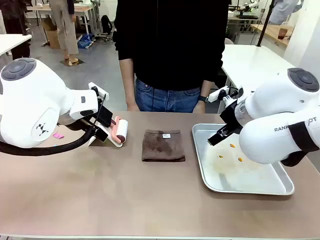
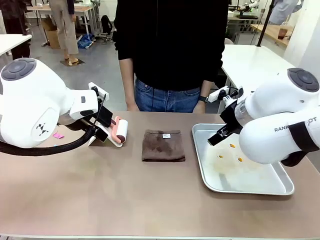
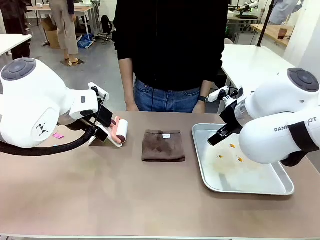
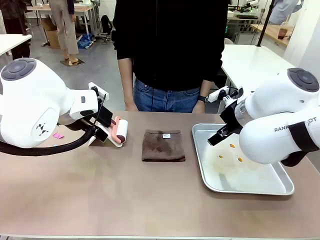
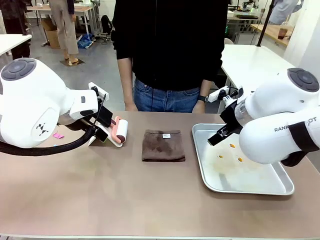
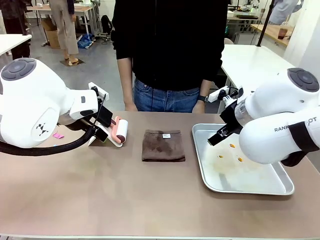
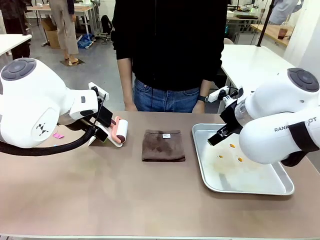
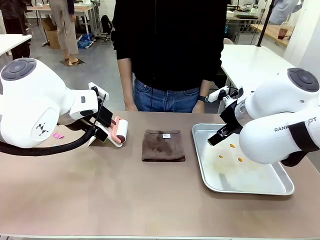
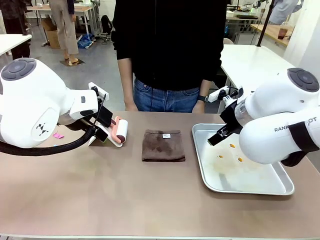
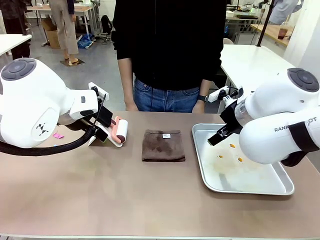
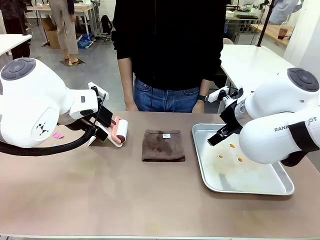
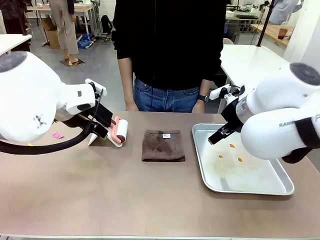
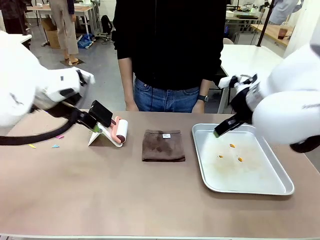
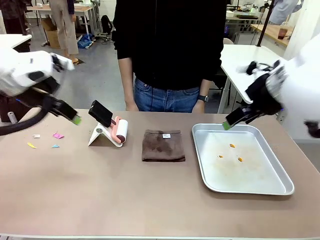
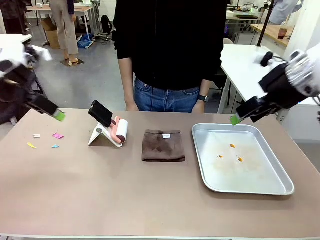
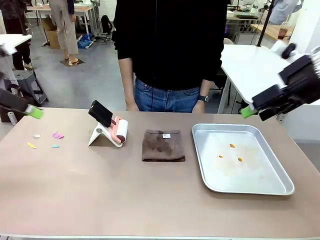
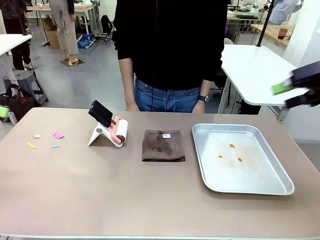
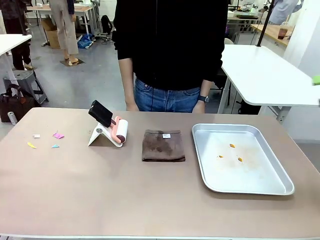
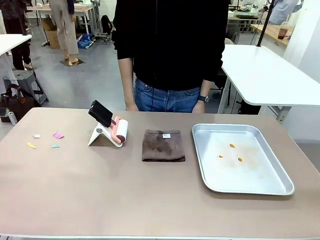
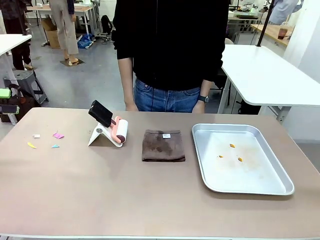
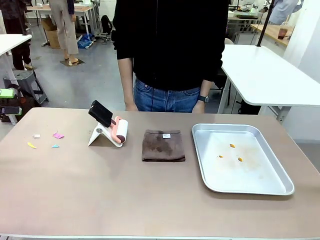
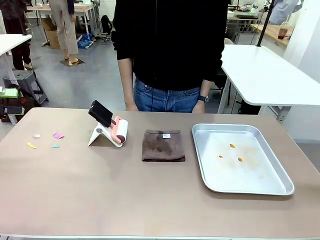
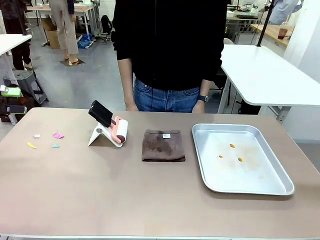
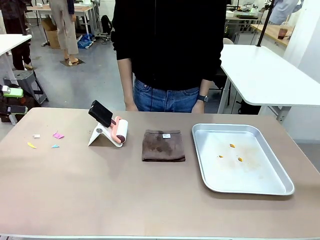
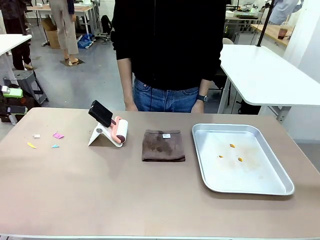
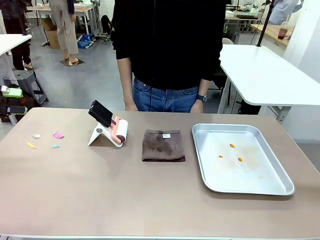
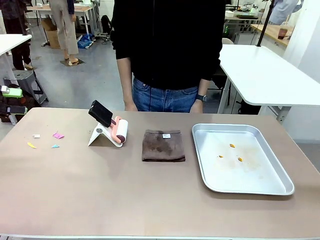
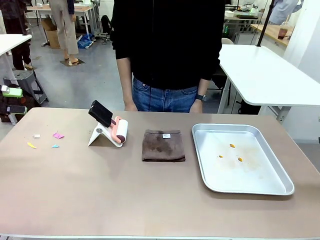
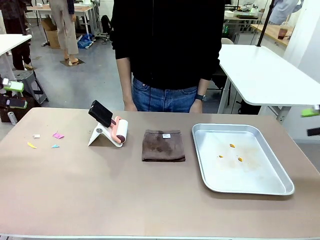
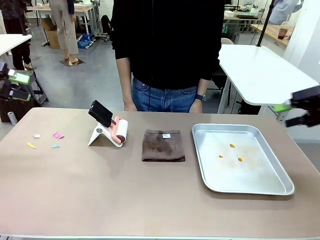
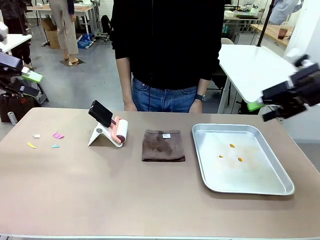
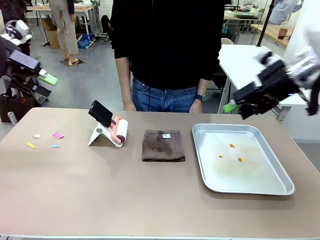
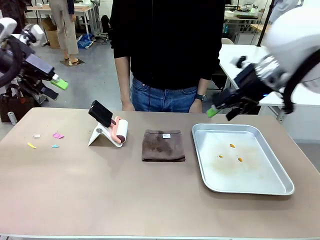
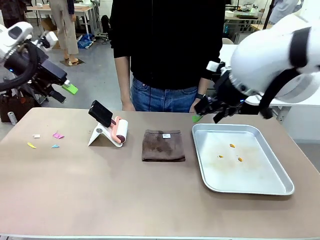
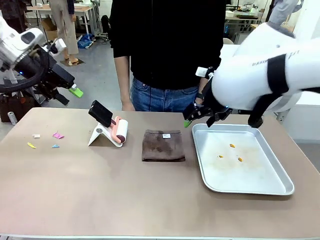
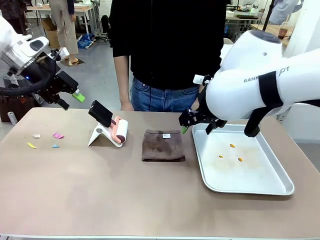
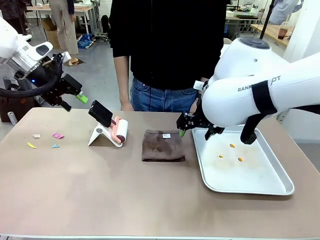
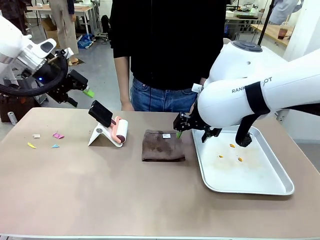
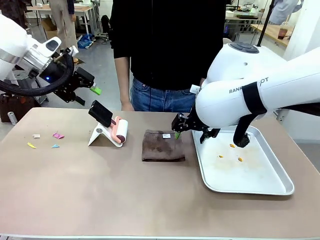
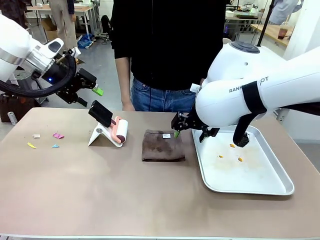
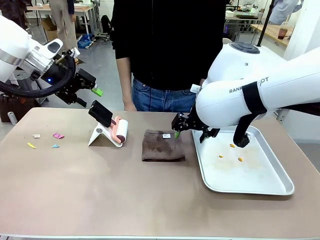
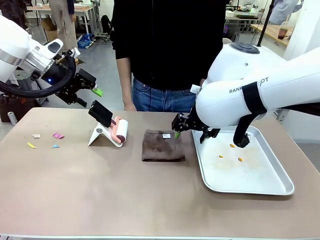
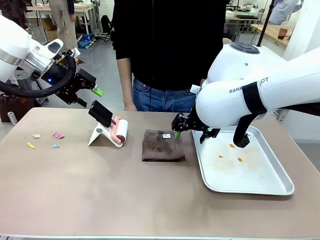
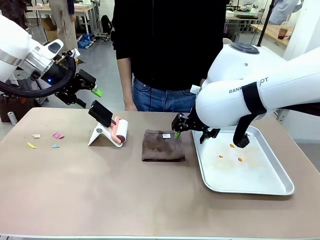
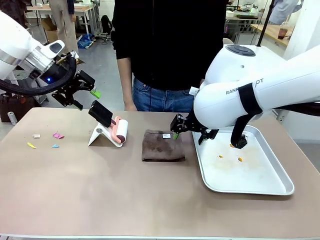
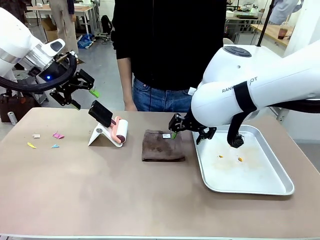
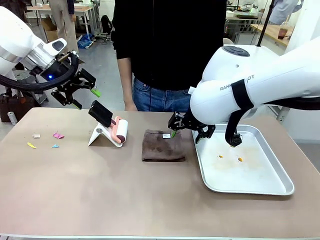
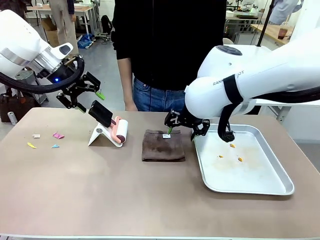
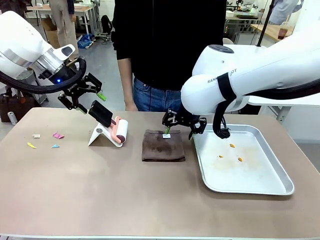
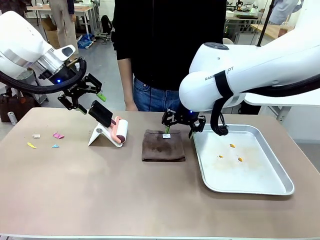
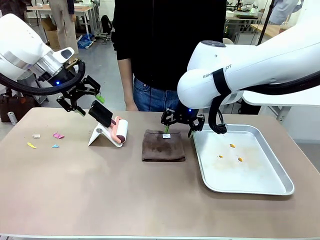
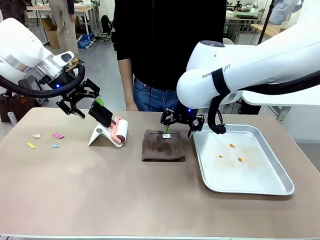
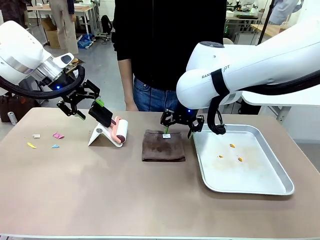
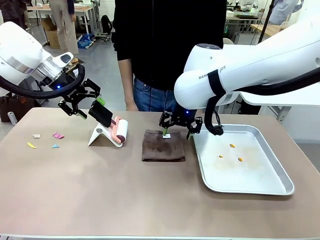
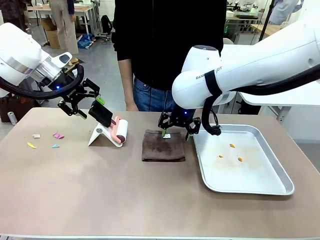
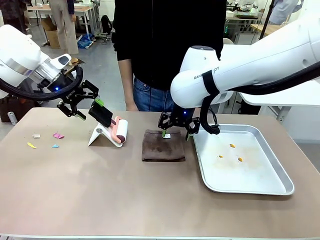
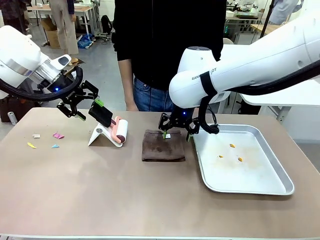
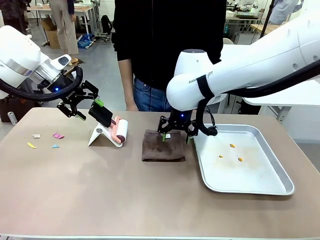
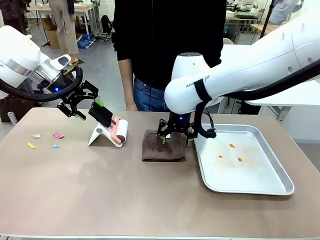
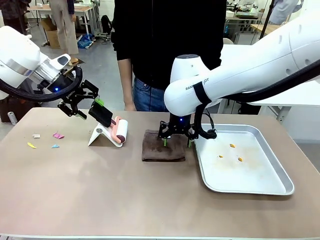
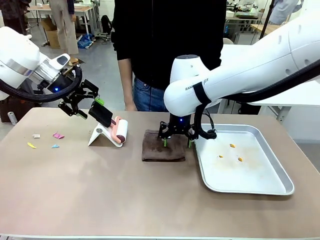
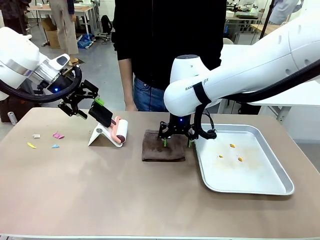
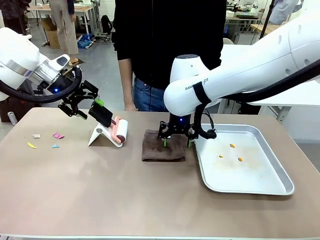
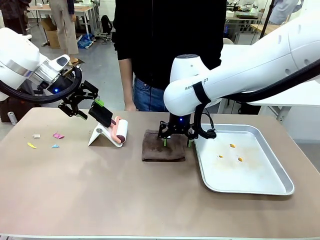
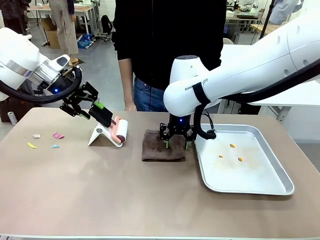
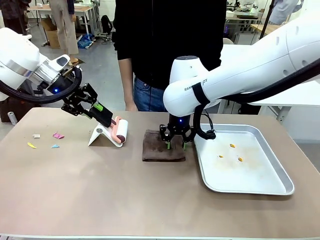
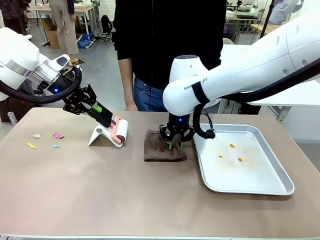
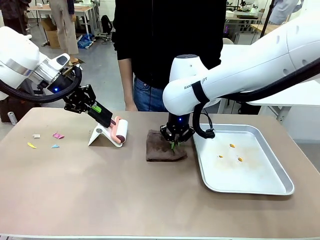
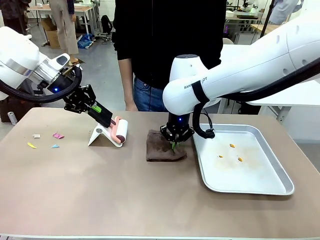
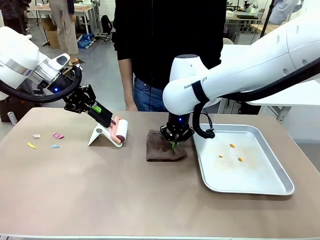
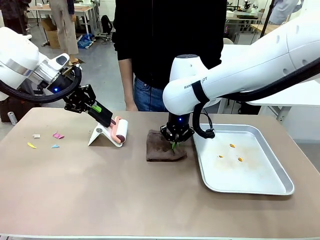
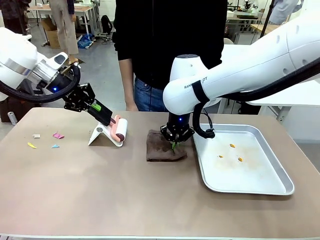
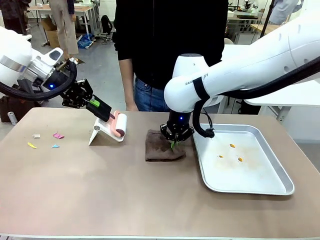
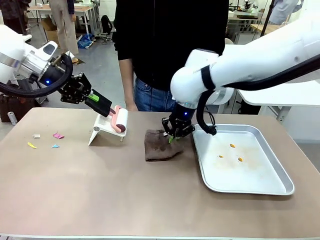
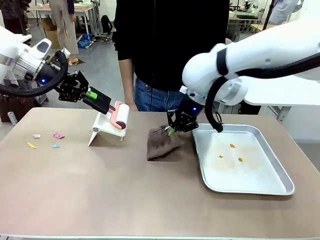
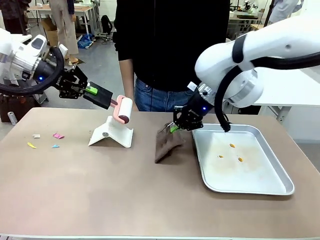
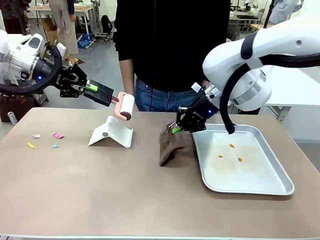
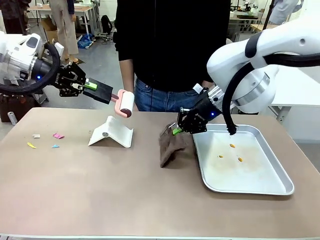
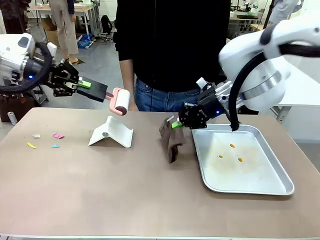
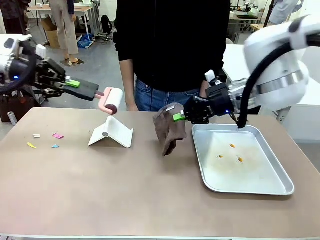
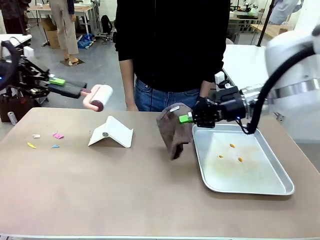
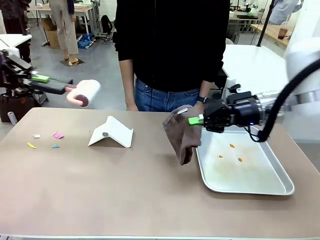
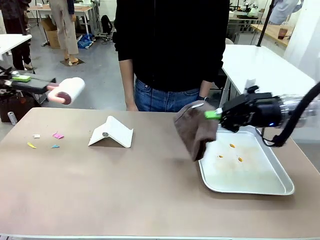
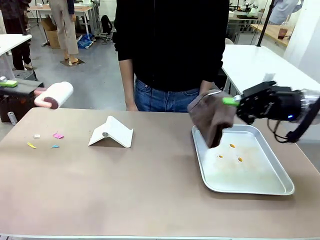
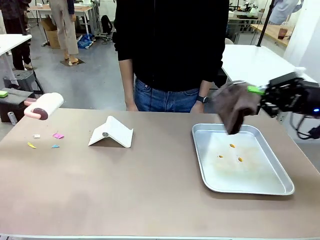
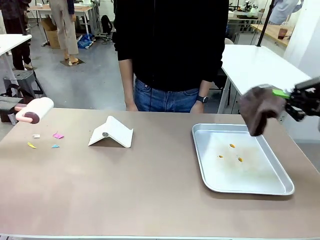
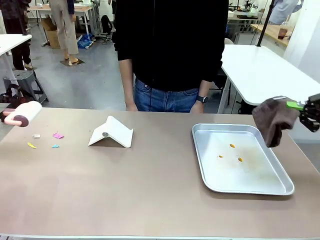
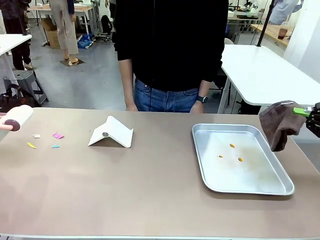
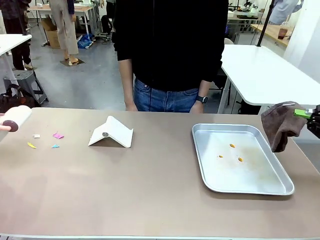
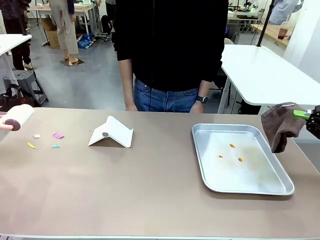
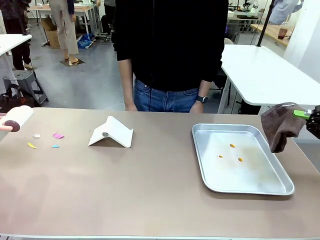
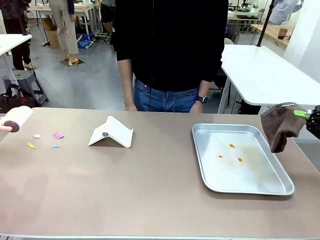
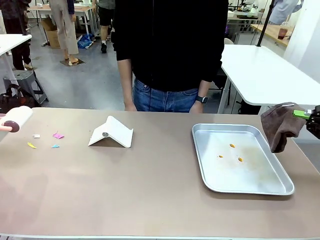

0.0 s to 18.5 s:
Task: Clean the surface of the table.
Robot: Hold the Lint Roller with your left hand and the towel with your right hand.
